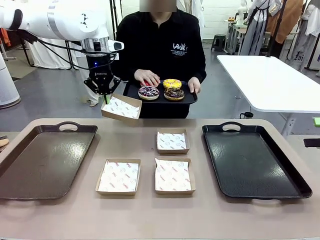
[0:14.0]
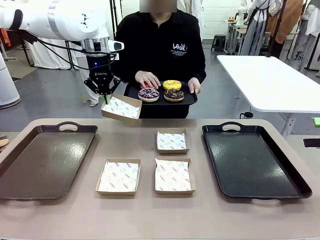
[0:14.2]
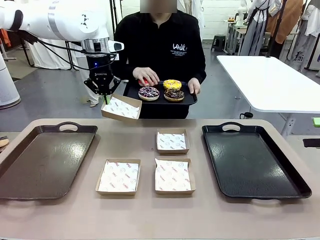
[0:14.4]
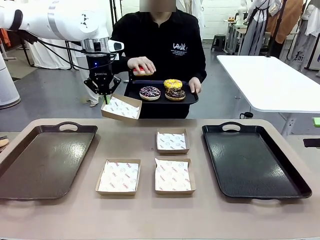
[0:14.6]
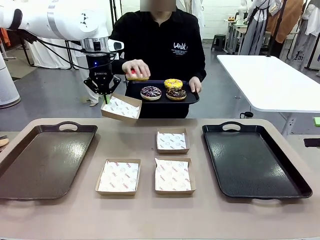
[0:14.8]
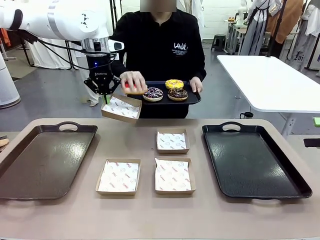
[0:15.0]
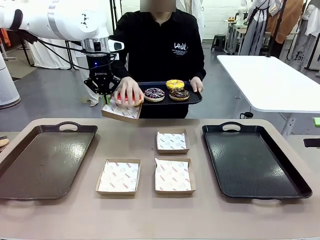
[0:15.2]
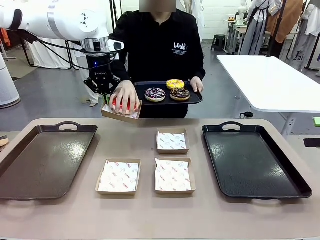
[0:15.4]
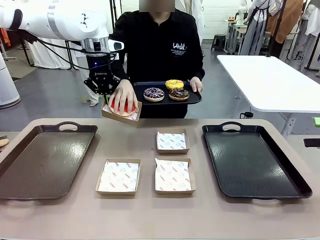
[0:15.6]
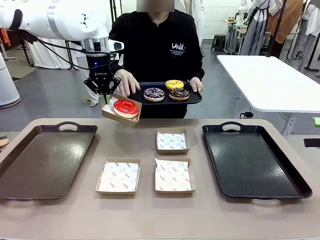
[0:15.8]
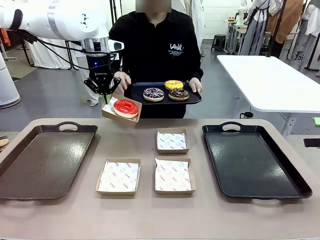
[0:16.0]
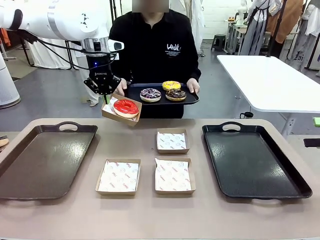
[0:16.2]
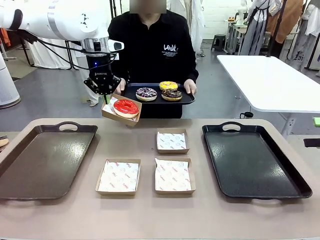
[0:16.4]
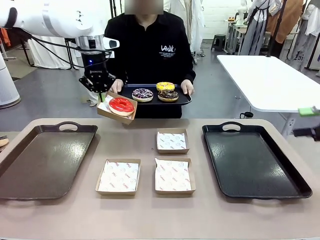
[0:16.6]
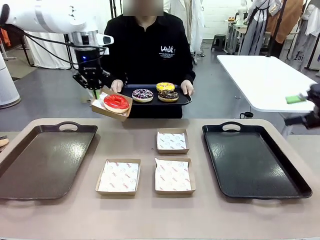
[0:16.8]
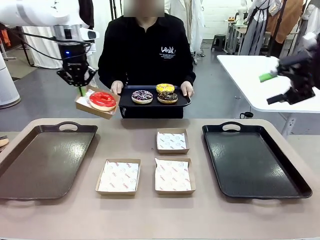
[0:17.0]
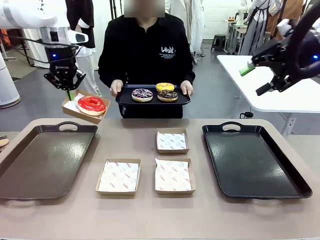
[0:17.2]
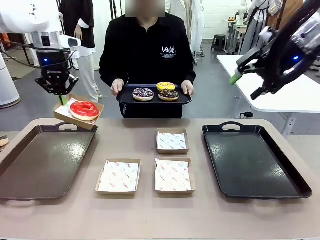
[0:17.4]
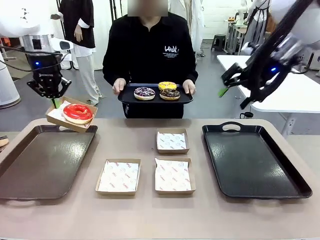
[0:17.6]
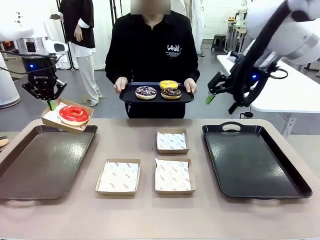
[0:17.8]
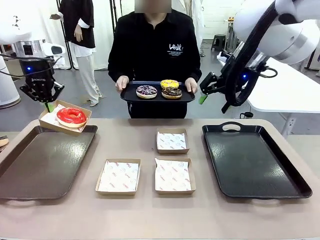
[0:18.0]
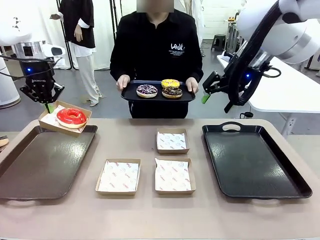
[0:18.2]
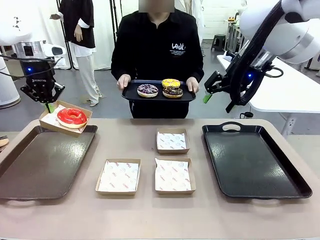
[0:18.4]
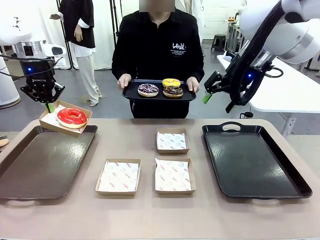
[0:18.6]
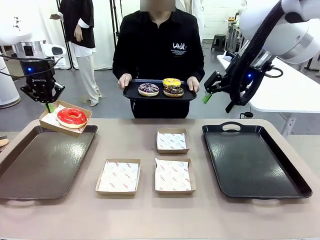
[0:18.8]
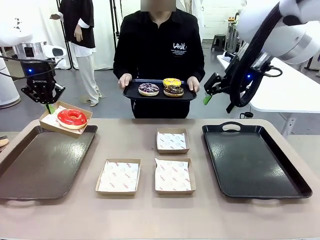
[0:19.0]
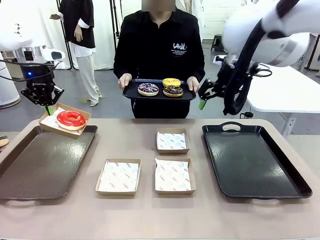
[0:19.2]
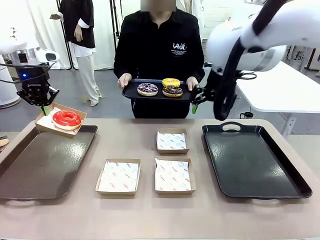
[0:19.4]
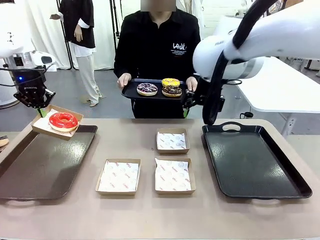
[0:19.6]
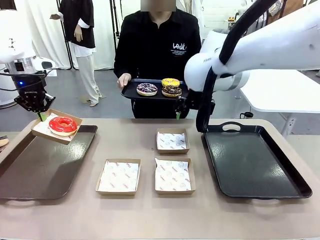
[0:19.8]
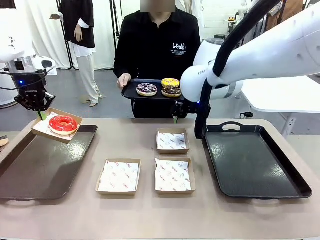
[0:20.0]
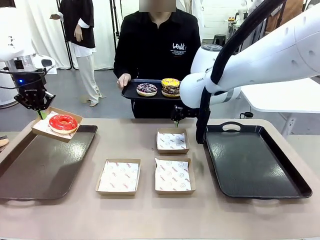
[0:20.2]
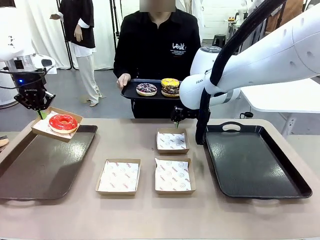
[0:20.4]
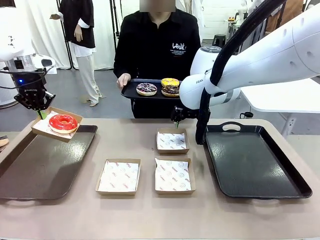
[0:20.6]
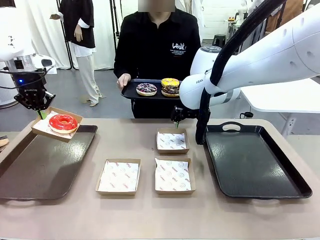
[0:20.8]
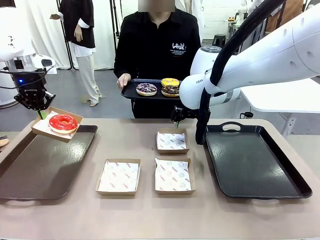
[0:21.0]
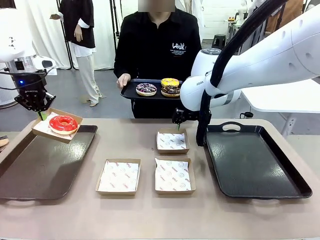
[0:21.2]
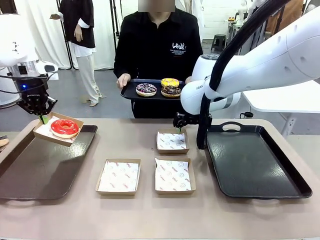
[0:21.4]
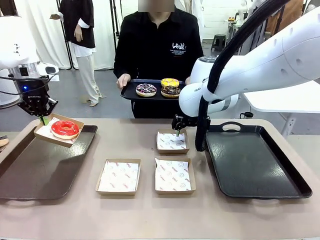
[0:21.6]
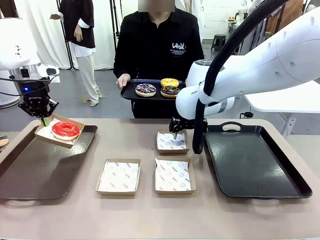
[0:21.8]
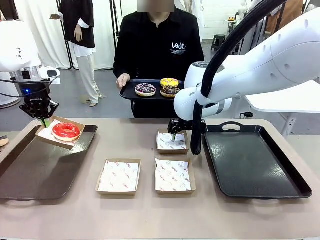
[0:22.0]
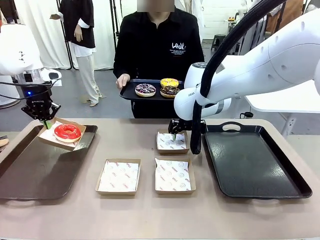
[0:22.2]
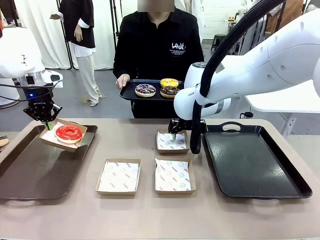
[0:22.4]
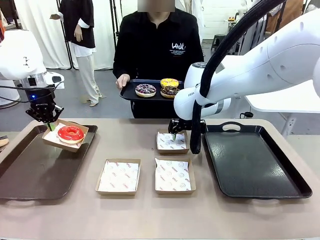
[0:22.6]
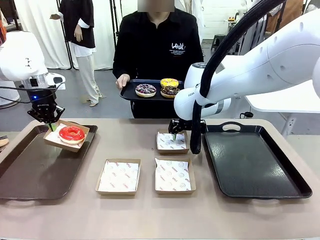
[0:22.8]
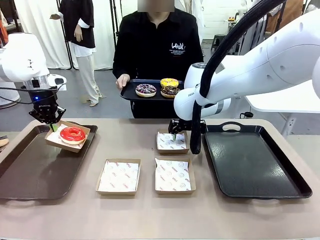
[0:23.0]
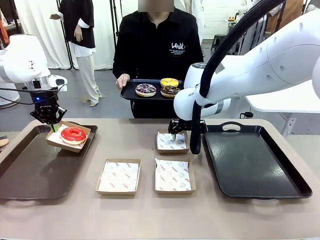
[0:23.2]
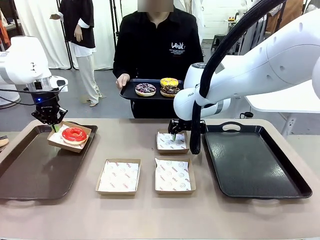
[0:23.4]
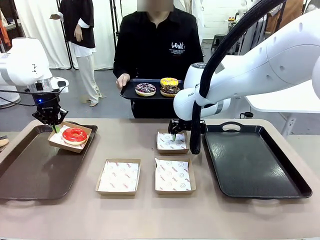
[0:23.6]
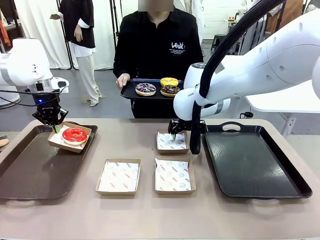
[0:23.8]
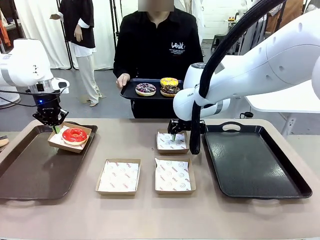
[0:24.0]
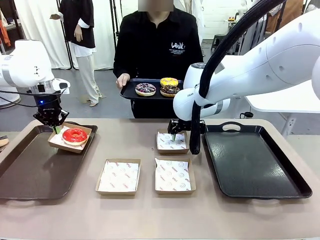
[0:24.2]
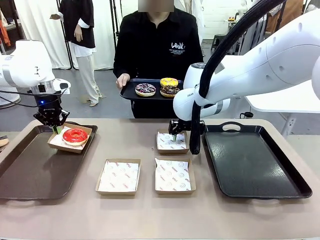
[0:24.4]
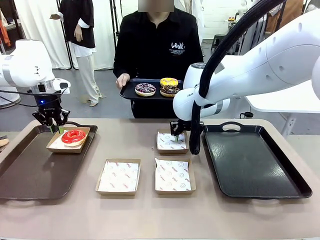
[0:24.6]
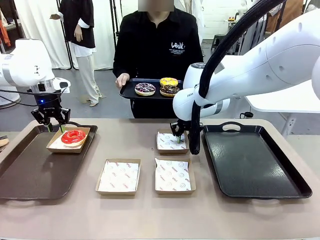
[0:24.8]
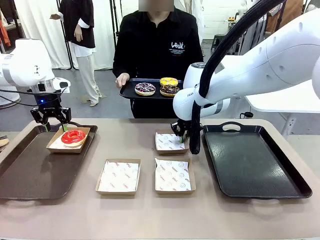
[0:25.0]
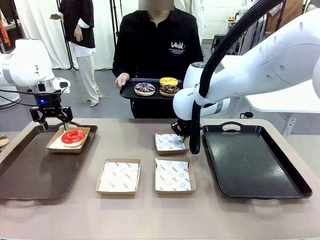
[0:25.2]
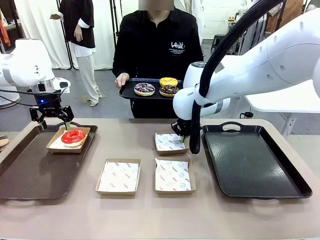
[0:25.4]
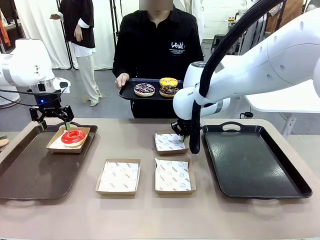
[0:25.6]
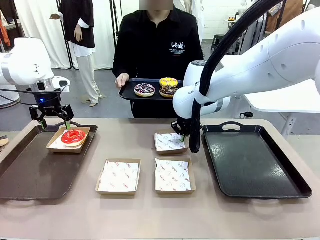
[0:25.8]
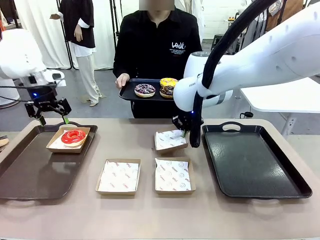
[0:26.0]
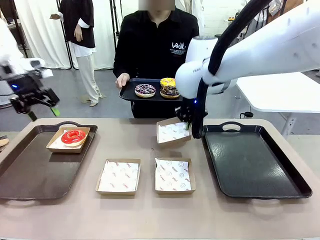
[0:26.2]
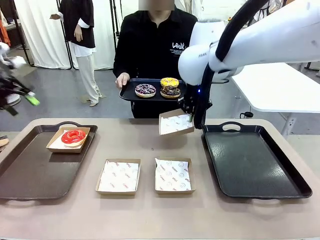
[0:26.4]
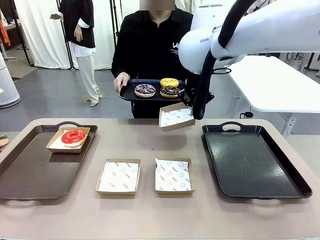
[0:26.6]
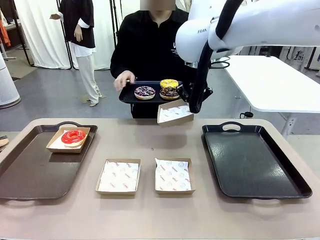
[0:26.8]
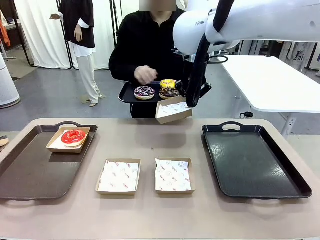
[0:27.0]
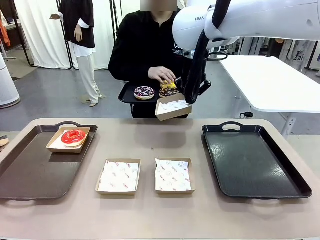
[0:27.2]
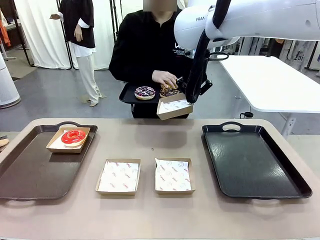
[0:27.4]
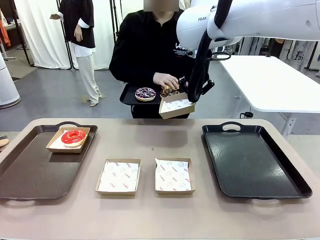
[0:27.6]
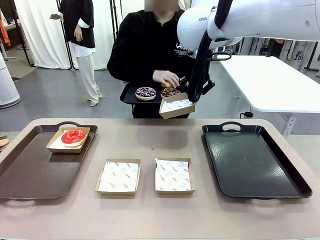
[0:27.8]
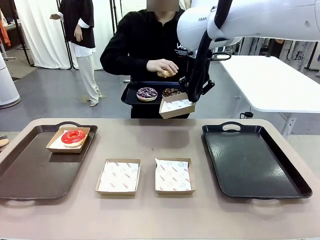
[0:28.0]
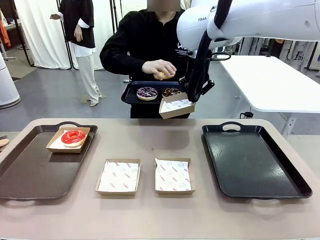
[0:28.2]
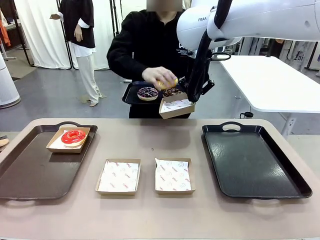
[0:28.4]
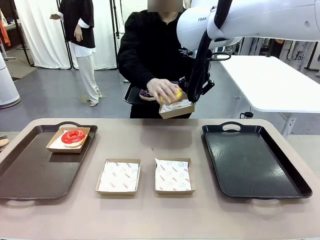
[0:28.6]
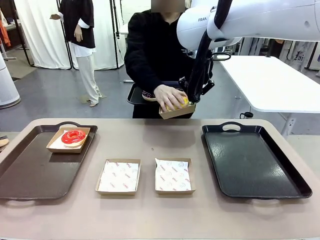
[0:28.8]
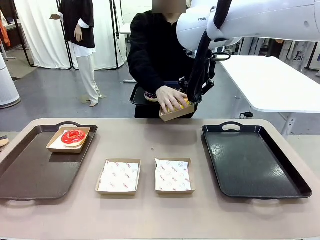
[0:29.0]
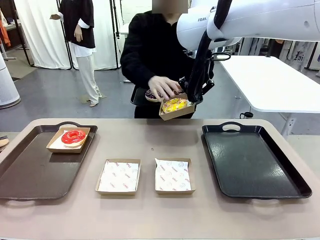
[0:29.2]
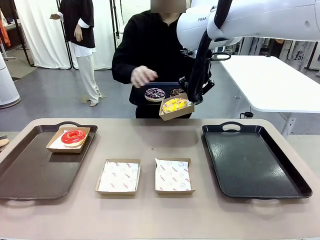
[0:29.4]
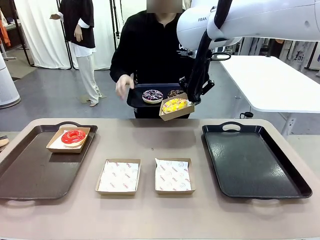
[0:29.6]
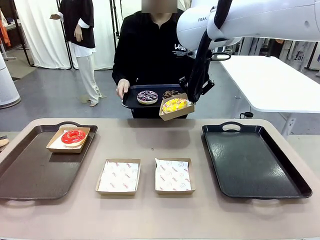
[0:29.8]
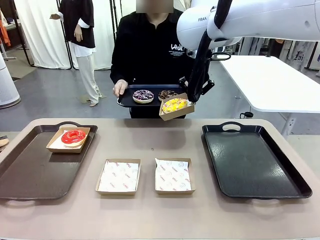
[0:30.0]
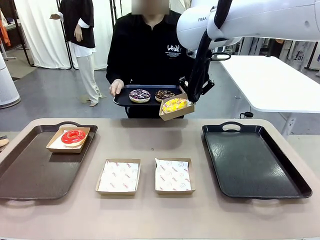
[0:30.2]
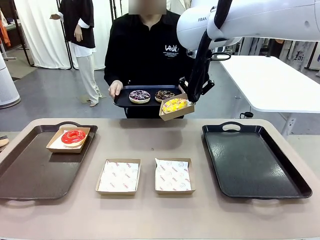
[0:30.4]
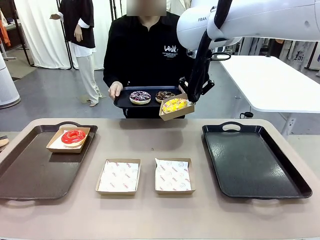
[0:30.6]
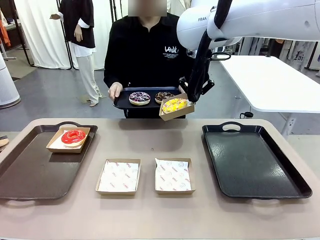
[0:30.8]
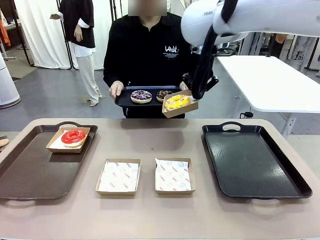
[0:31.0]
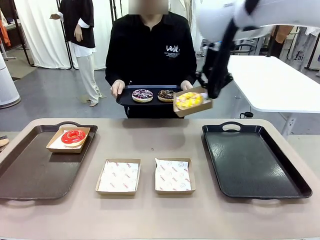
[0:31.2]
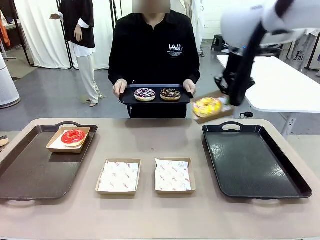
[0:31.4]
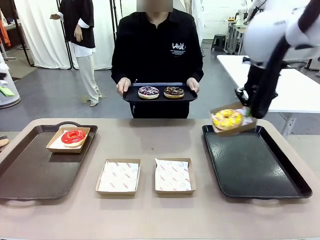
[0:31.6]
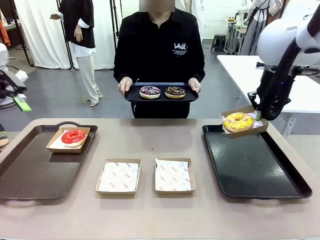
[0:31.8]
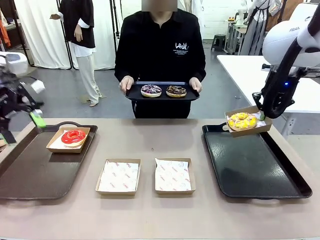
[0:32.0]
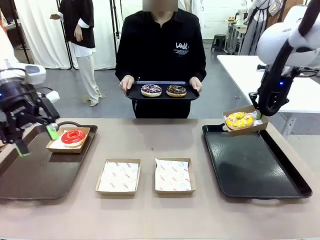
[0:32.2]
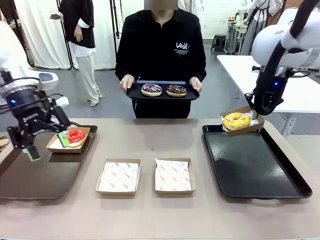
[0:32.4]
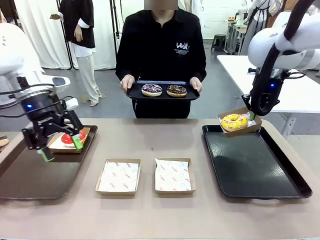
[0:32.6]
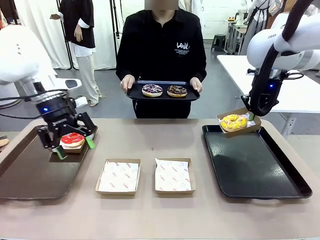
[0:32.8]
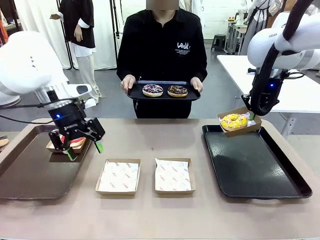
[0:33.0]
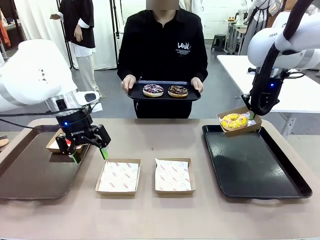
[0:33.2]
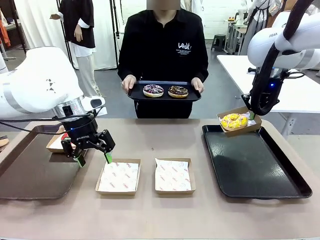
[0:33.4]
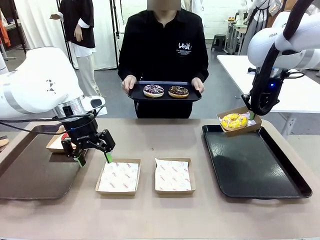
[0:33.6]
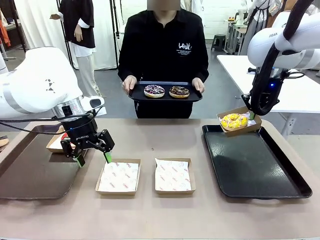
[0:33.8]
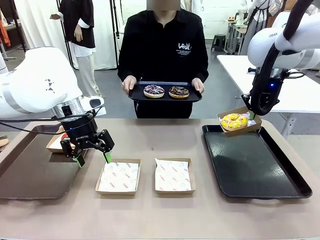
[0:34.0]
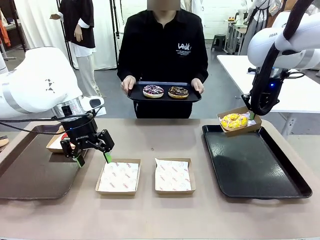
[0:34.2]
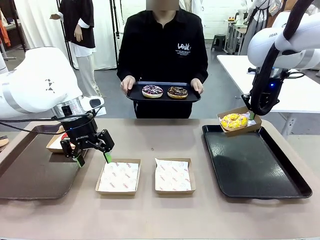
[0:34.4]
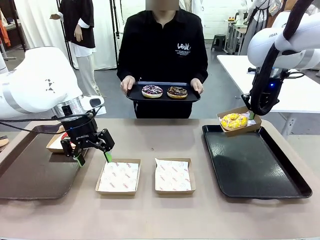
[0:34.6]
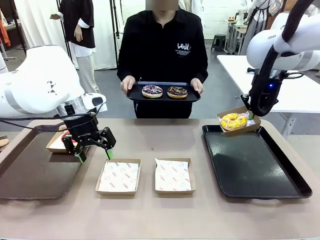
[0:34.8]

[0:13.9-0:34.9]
Task: Individually package the donuts and arrange them on the tray.
Robot: Place the picked Paper togo box on the Handle tray while simultaneously picking up another Paper togo box from the table with the other hand.
